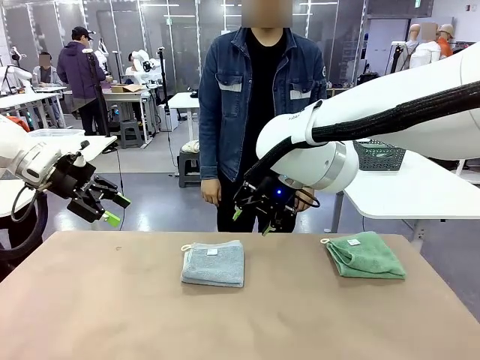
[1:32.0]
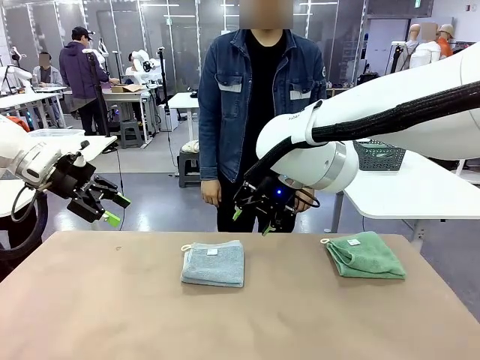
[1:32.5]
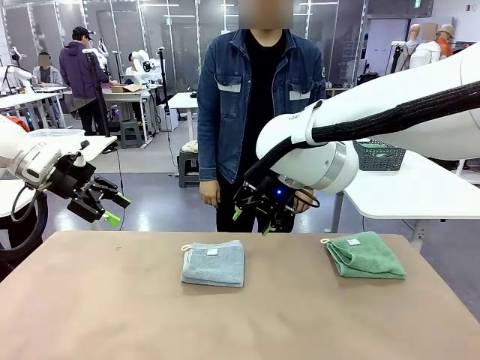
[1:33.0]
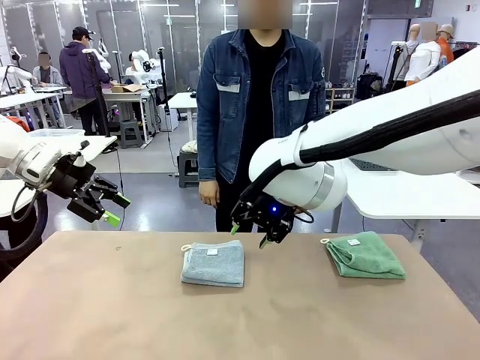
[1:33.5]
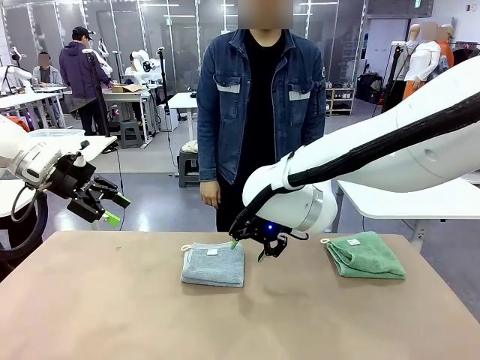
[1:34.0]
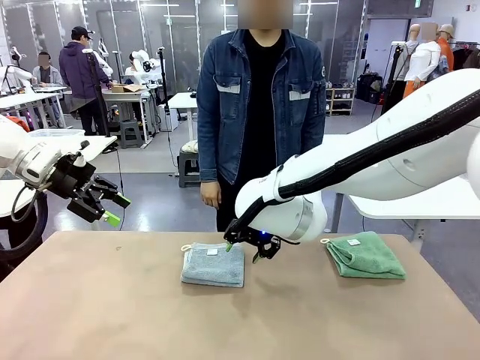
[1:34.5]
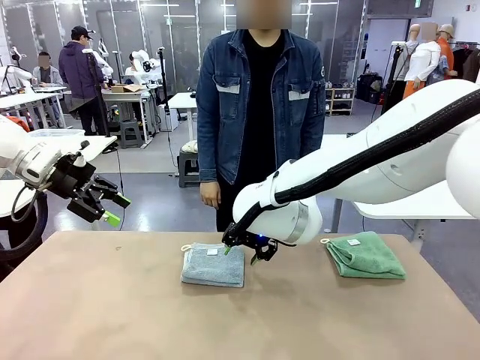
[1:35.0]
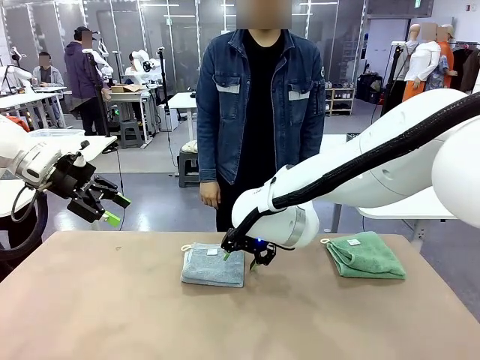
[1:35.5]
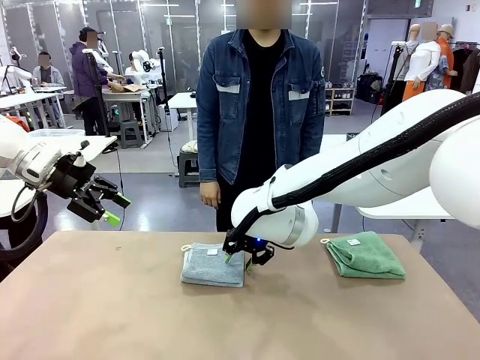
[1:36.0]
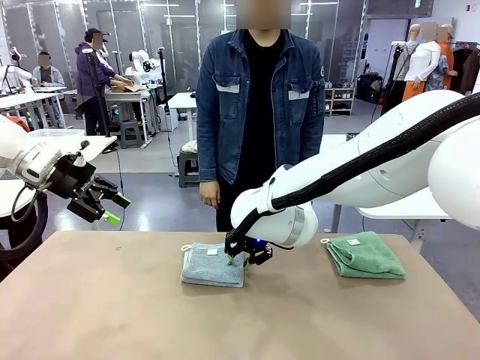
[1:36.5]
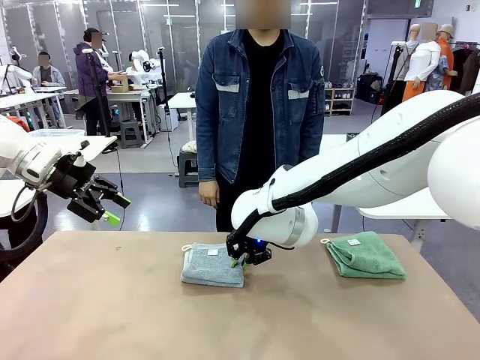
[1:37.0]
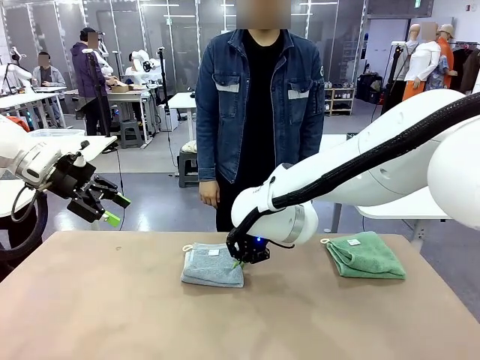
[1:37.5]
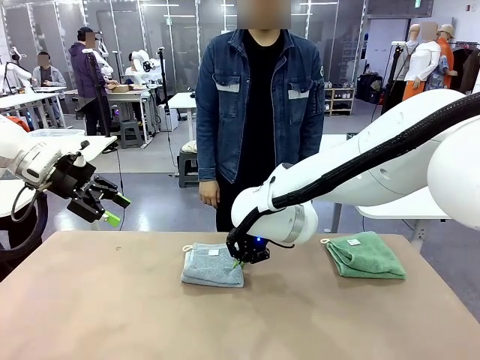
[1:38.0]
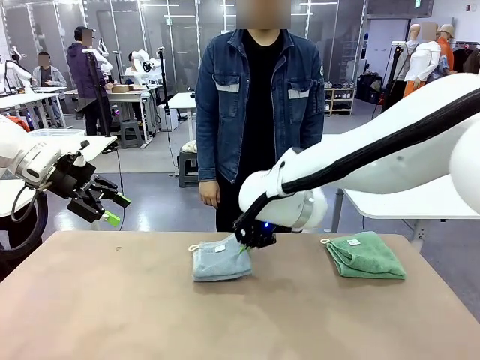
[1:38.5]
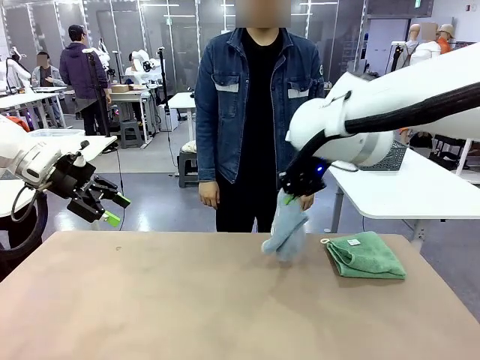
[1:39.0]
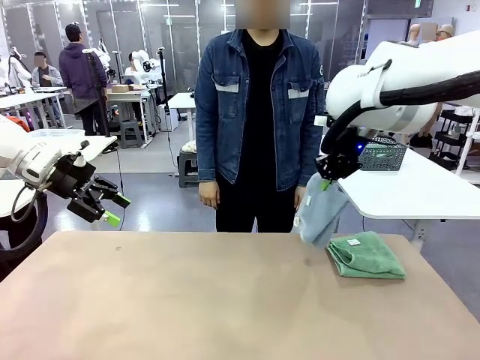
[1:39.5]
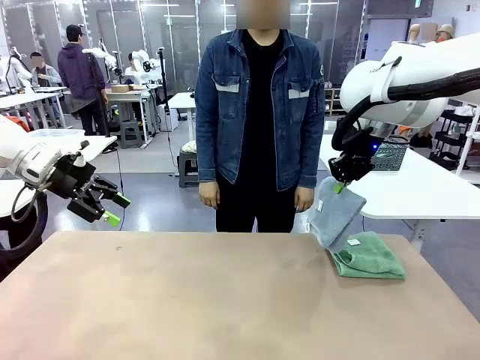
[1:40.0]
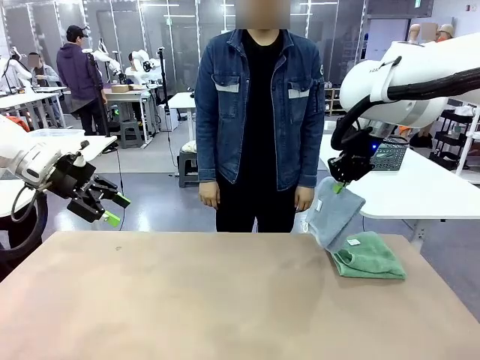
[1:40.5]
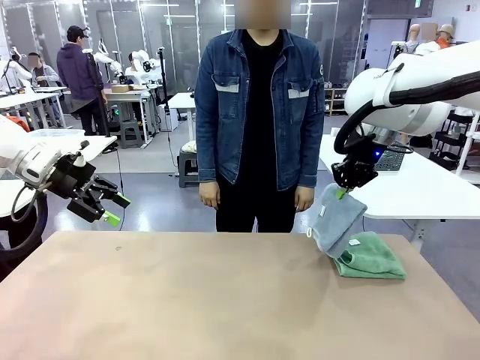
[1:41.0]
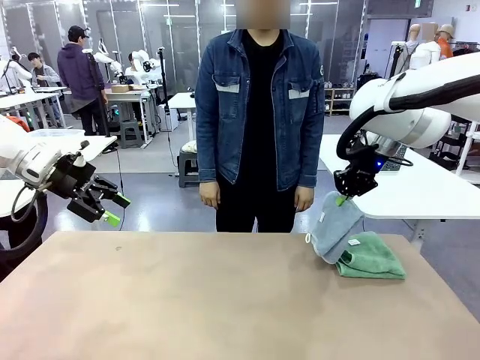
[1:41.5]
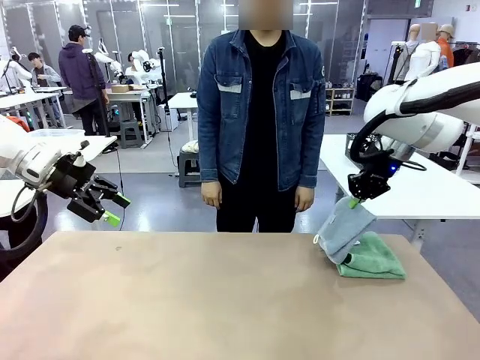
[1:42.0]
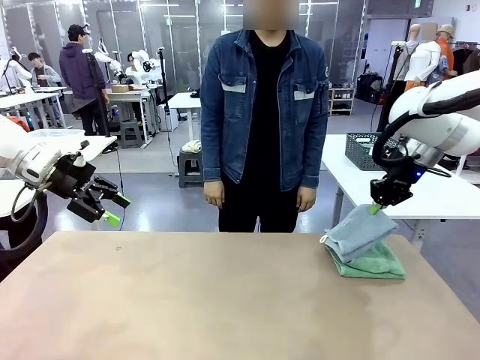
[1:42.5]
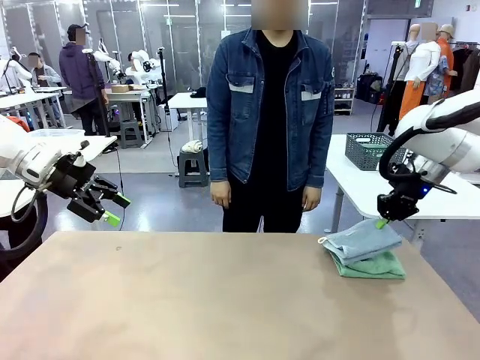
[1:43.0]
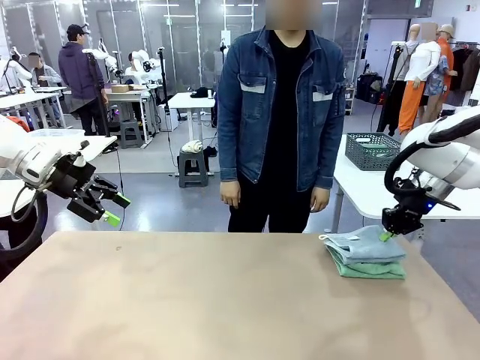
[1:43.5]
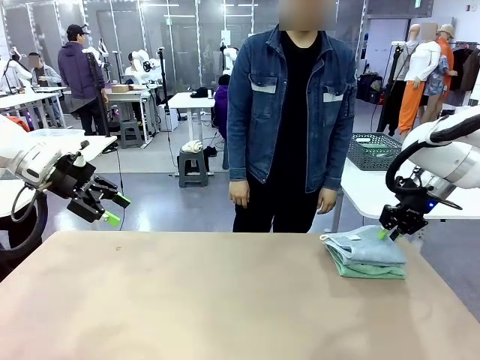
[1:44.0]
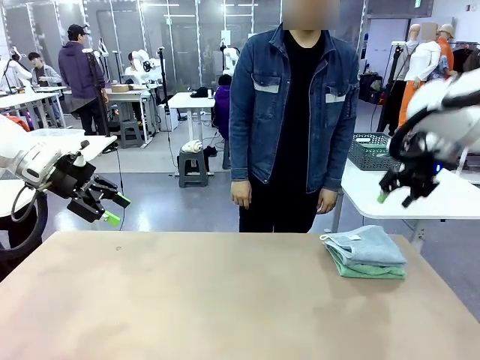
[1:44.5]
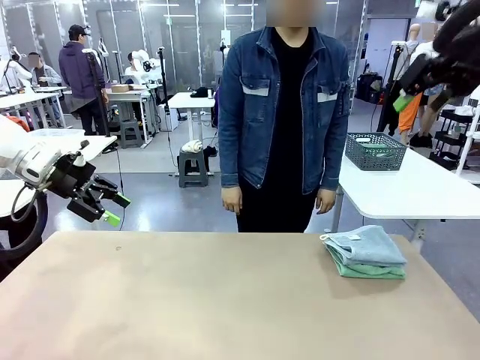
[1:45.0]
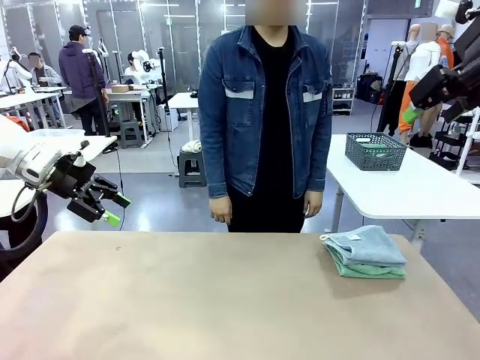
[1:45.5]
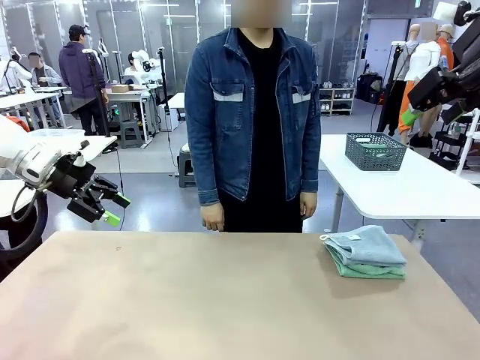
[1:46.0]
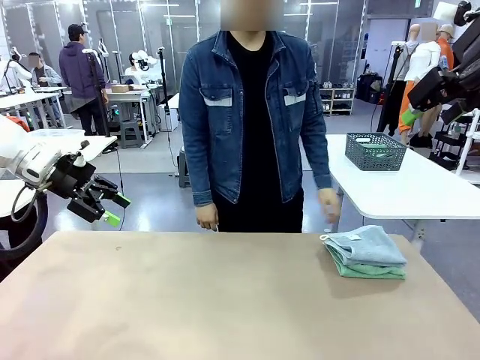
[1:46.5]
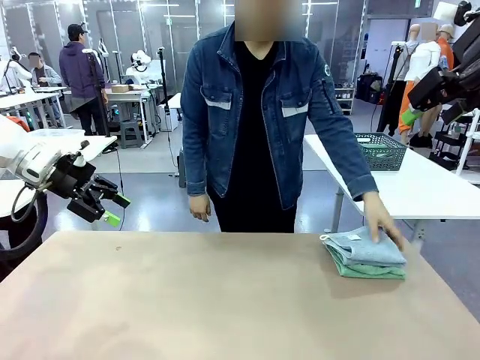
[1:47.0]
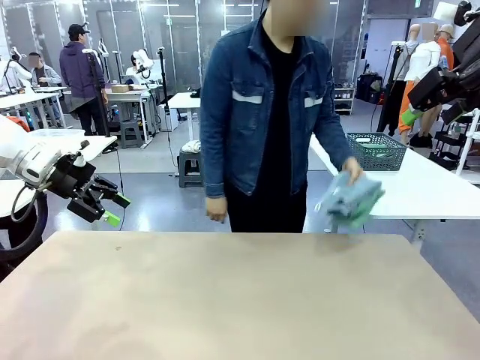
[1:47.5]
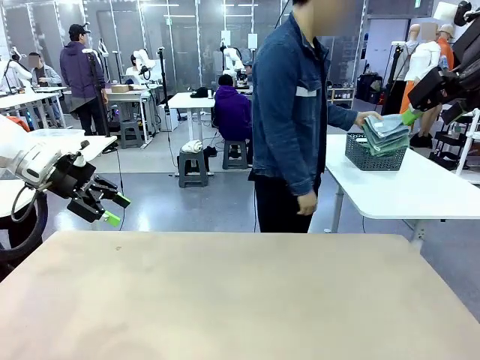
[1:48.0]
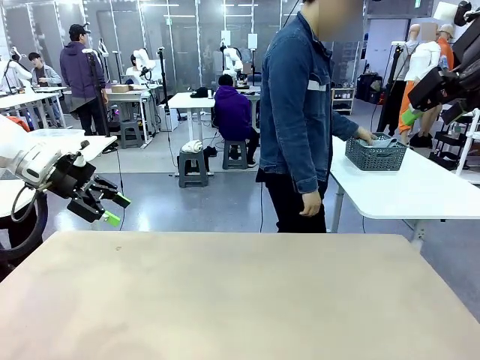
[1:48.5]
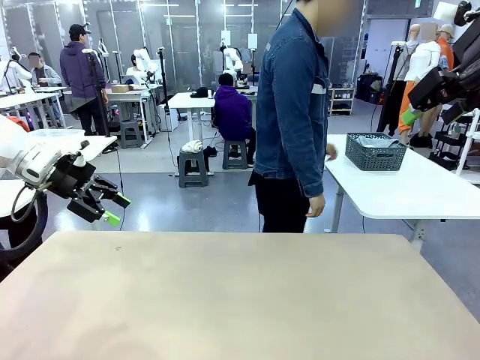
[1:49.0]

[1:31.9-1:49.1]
Task: Fold the towels and place them in the basket.
Robot: Stack the folded Towel with hook on the right side of the table.
Person: Pick up the stack of towels from the robot table and place it into the basket.

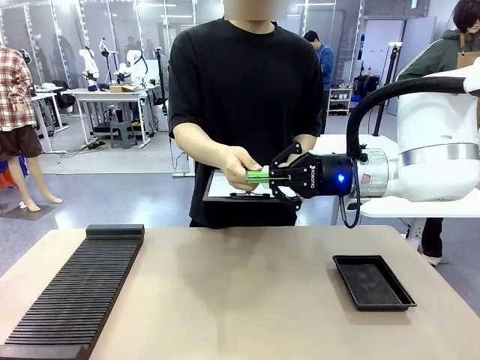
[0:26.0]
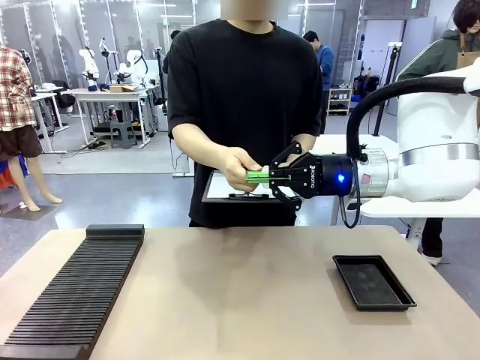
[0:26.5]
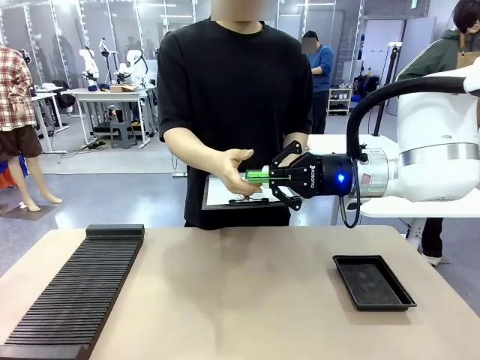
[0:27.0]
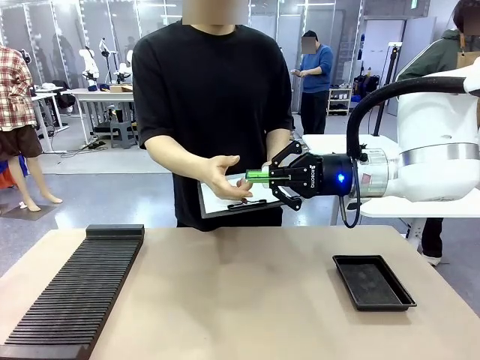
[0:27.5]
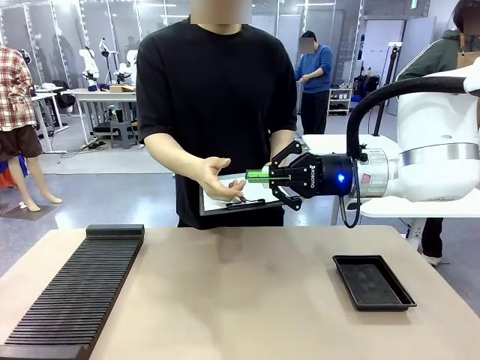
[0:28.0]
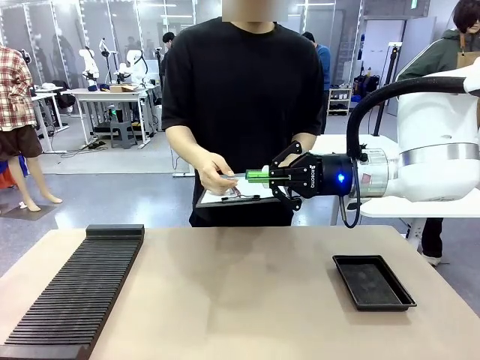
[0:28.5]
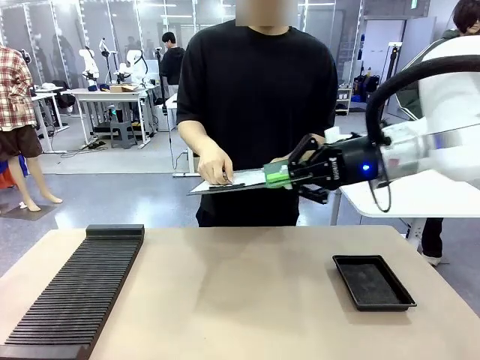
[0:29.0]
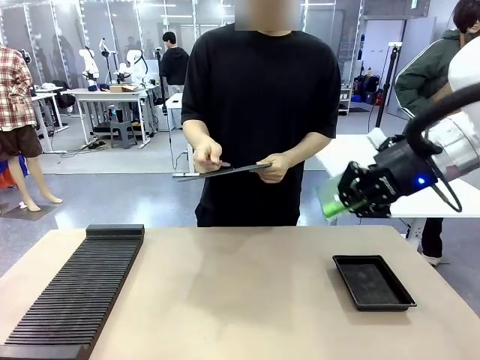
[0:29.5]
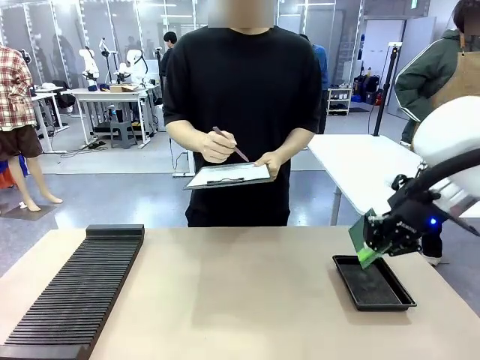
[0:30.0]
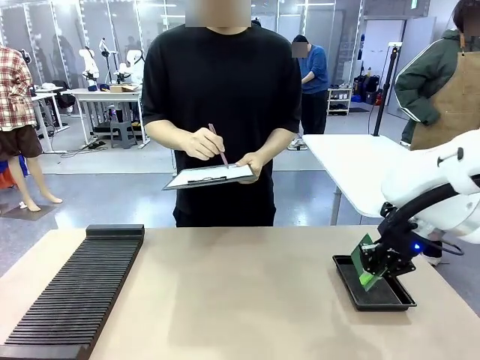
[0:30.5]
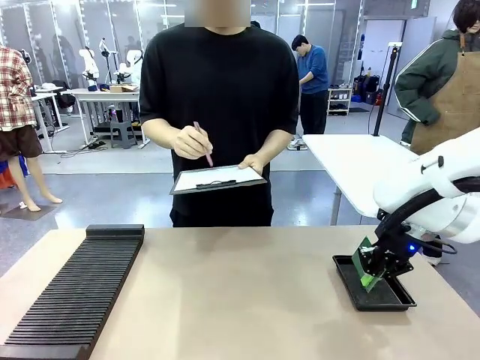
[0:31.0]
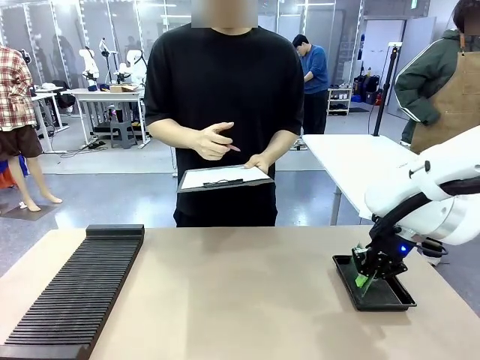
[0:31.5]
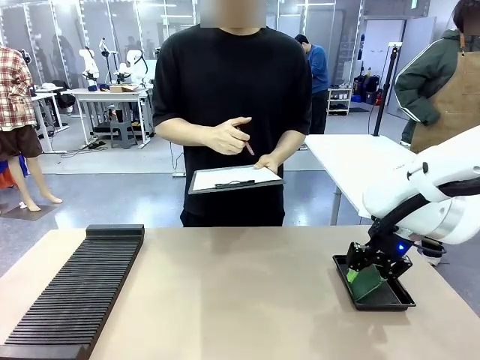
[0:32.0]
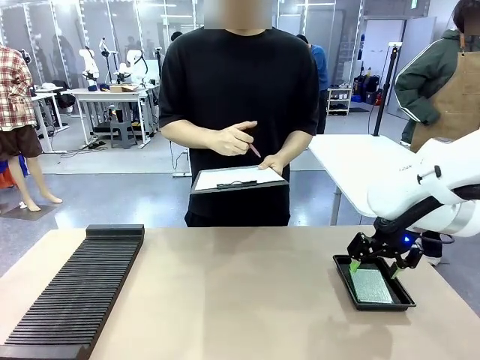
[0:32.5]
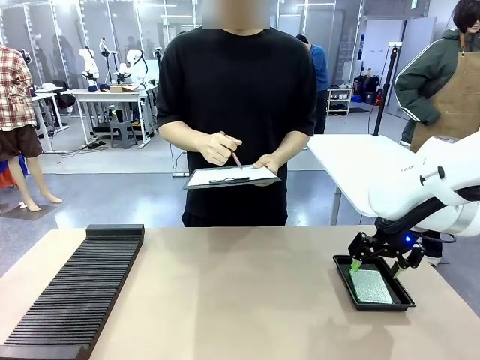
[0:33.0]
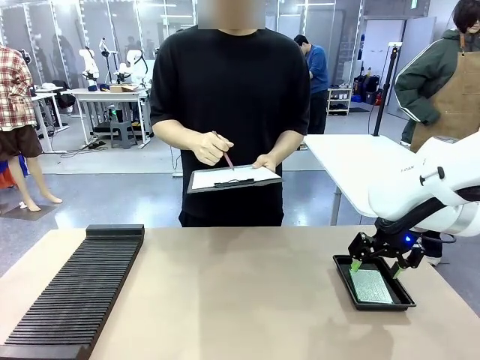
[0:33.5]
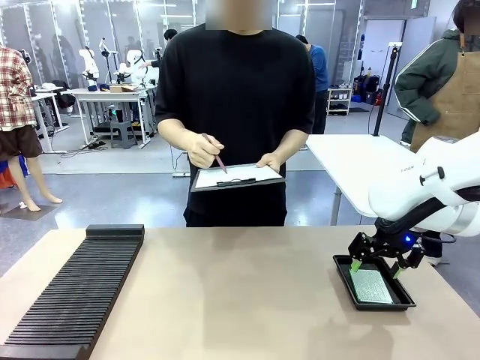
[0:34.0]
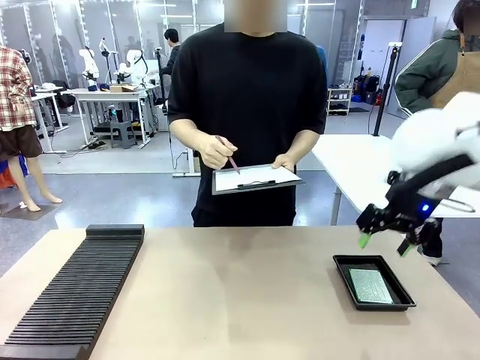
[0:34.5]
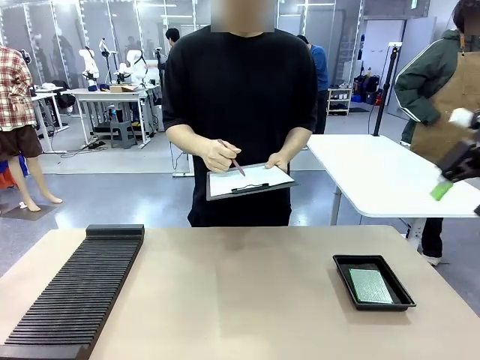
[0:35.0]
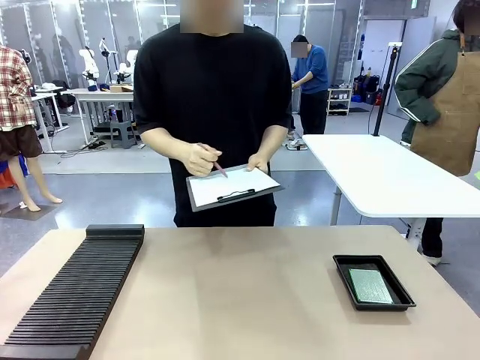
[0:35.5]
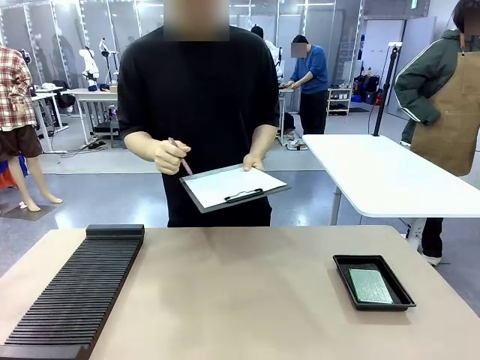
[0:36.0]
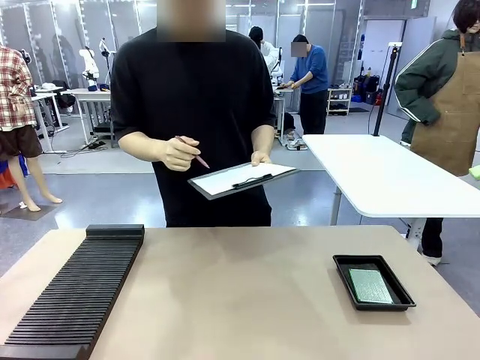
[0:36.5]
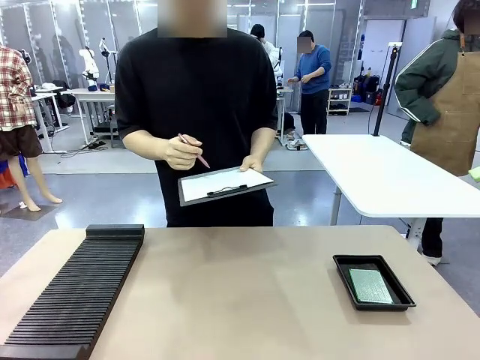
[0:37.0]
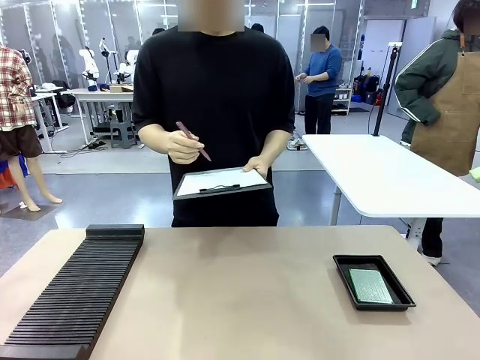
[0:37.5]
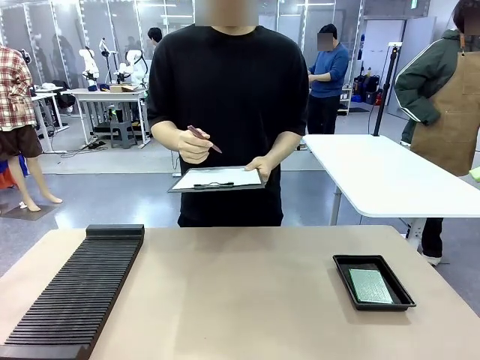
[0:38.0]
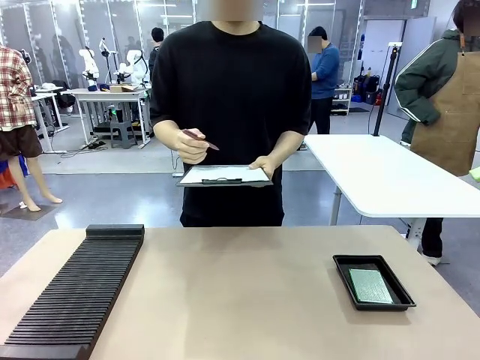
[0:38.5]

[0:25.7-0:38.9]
Task: Inspect the PCB.
Robot: Place the Blank PCB in the ESD tray.
Person: Record the PCB status on the paper.
